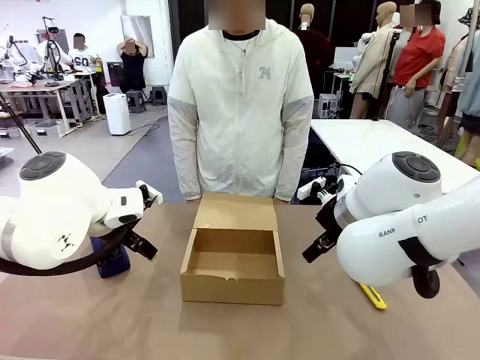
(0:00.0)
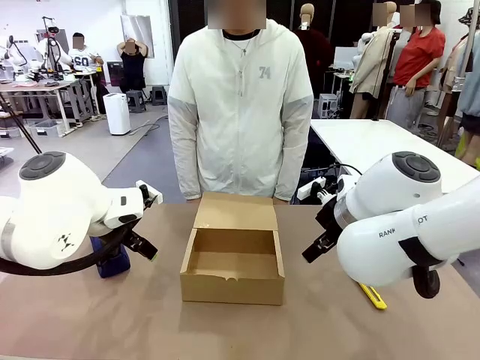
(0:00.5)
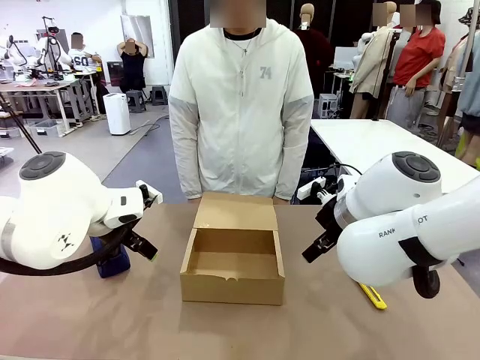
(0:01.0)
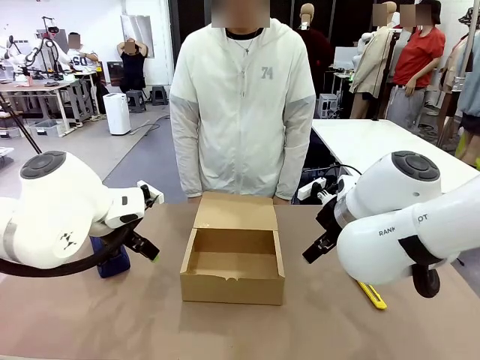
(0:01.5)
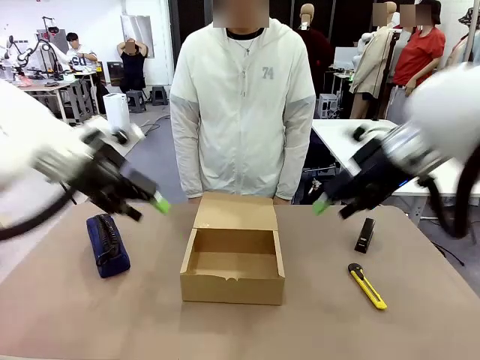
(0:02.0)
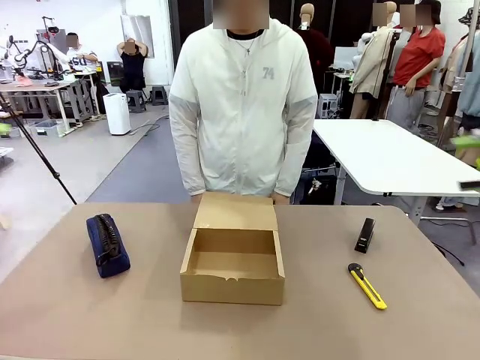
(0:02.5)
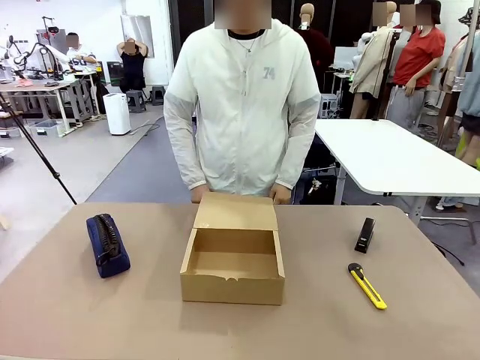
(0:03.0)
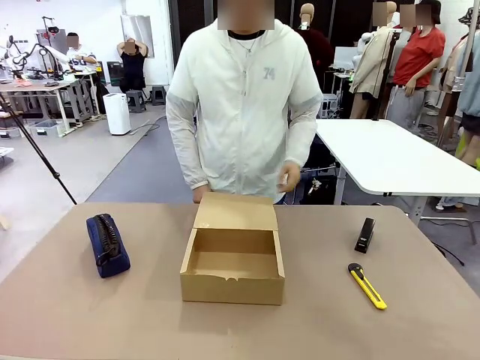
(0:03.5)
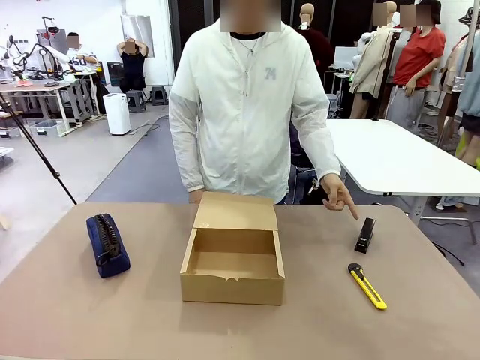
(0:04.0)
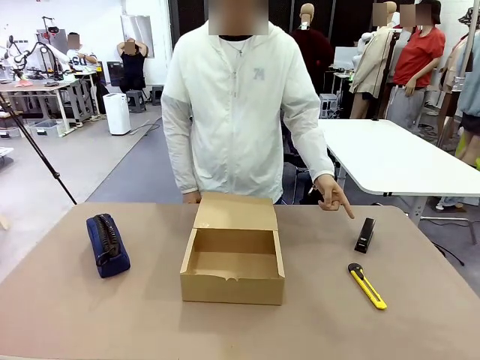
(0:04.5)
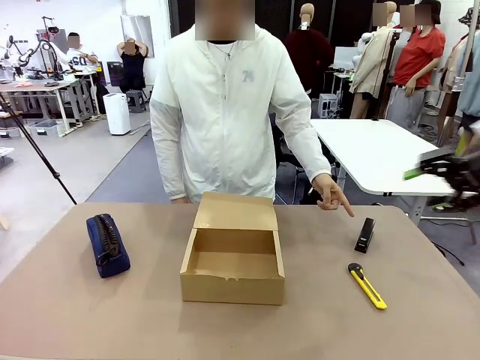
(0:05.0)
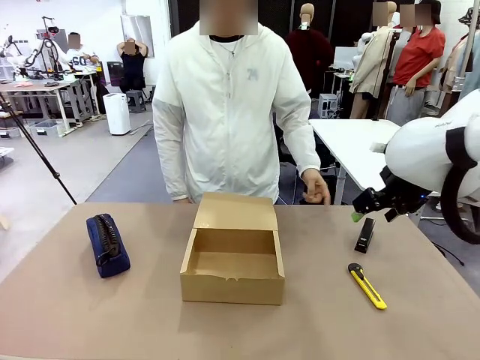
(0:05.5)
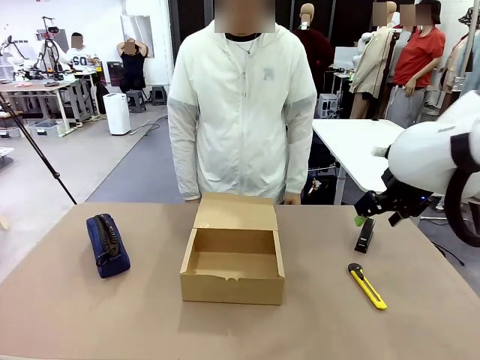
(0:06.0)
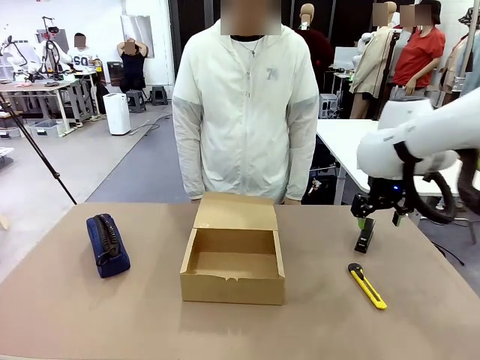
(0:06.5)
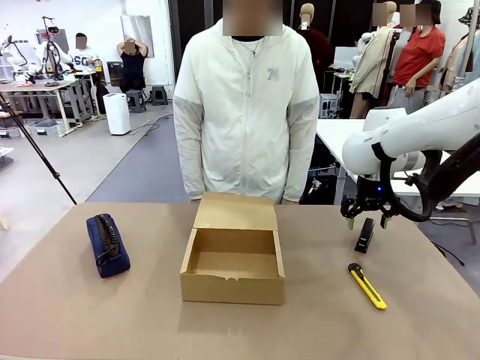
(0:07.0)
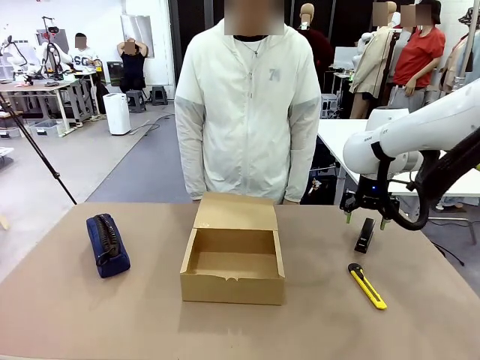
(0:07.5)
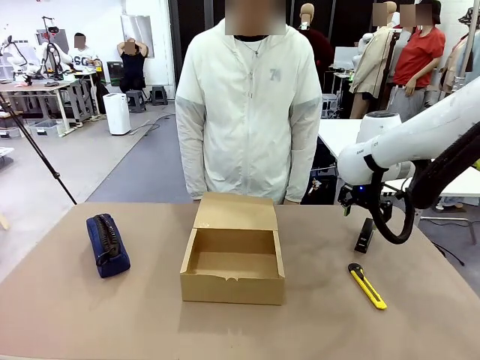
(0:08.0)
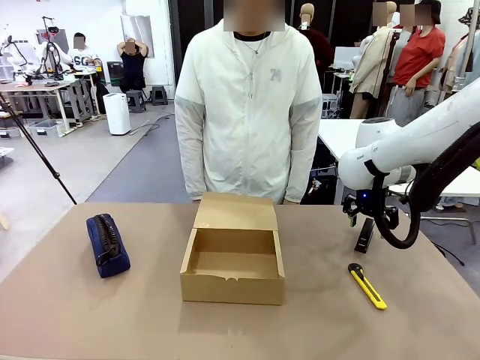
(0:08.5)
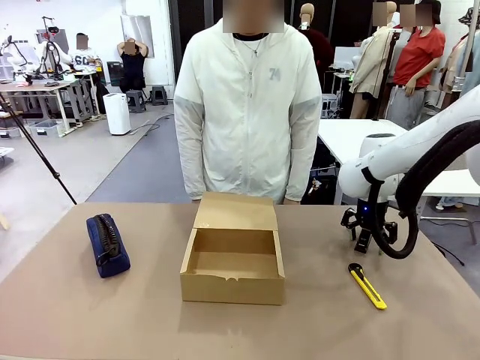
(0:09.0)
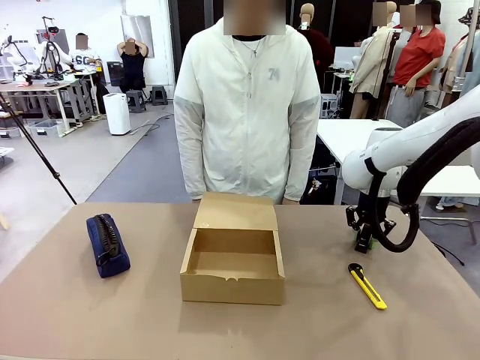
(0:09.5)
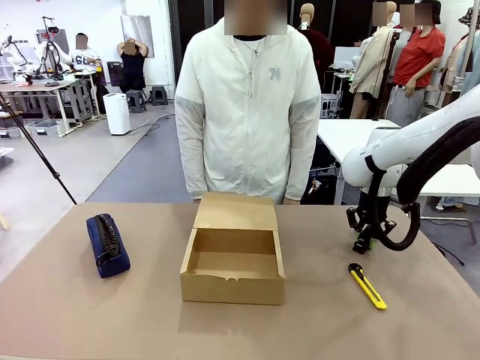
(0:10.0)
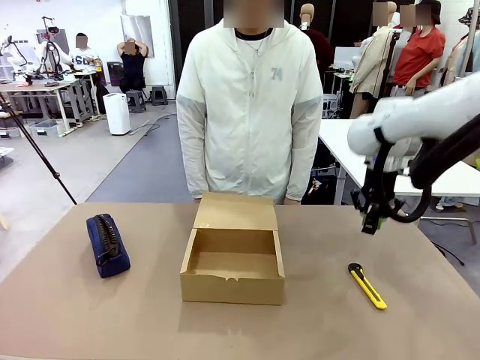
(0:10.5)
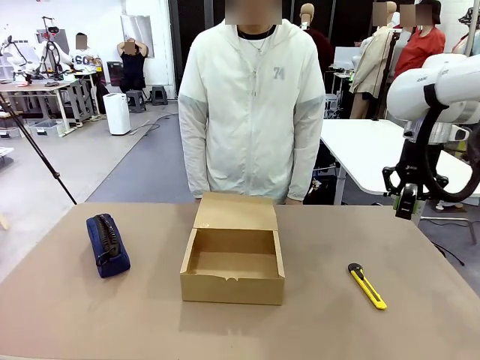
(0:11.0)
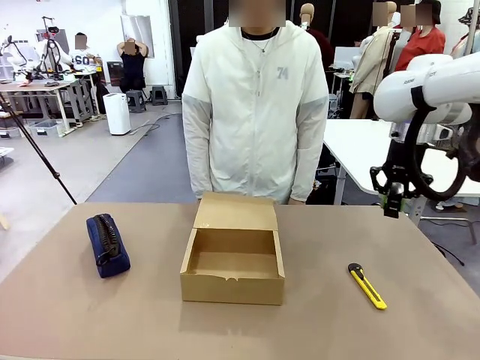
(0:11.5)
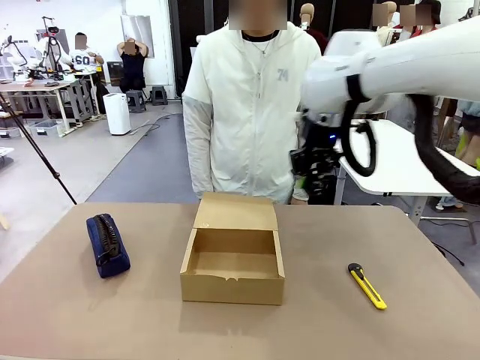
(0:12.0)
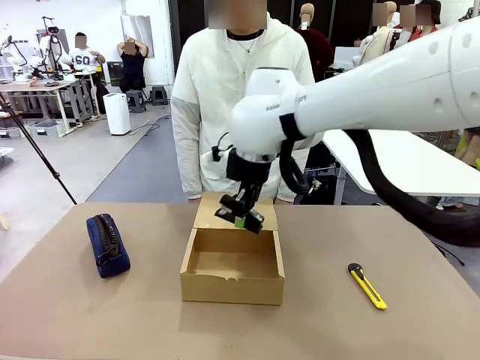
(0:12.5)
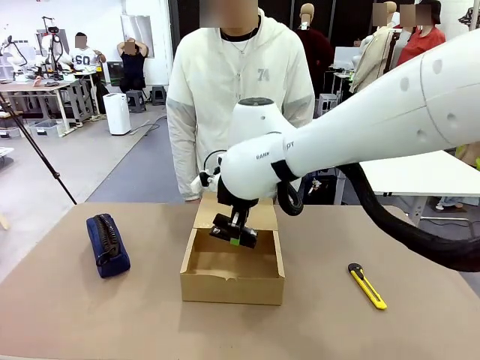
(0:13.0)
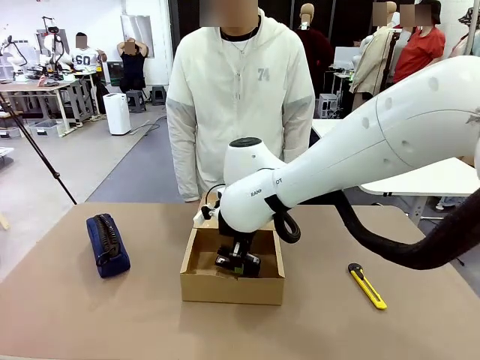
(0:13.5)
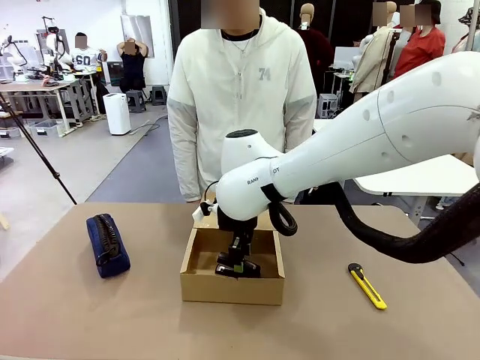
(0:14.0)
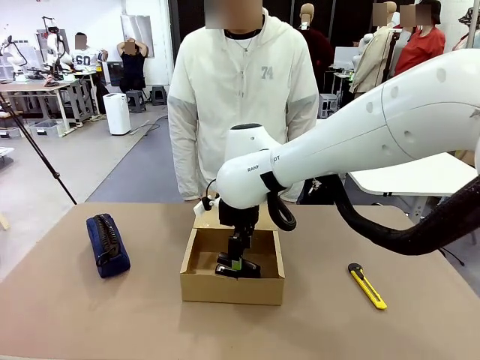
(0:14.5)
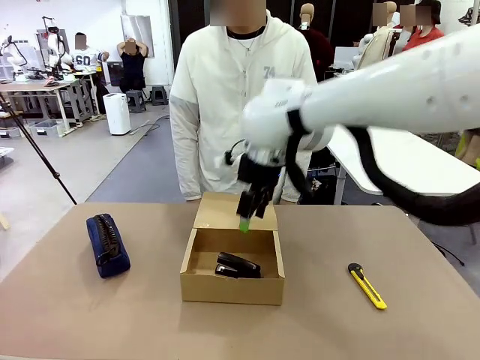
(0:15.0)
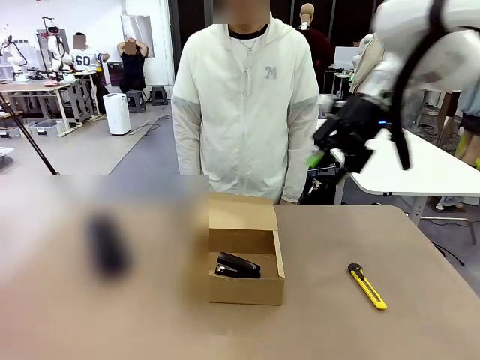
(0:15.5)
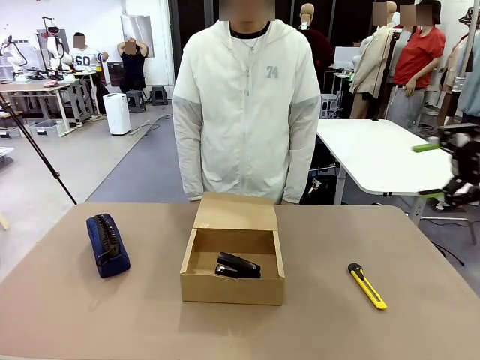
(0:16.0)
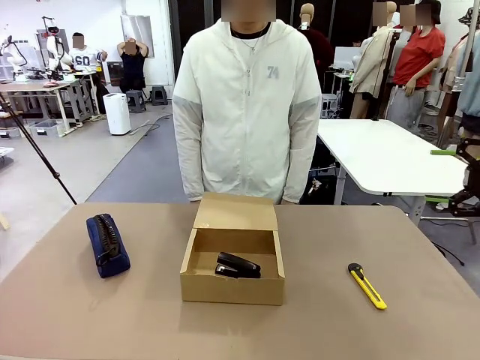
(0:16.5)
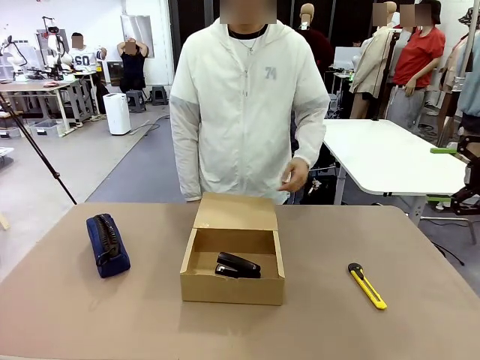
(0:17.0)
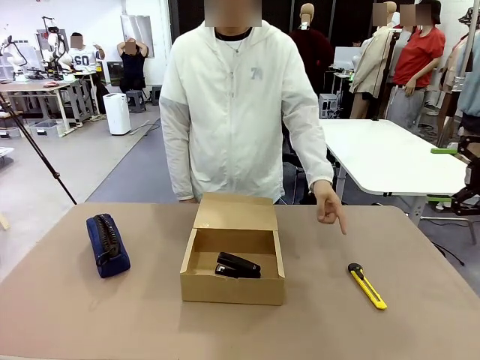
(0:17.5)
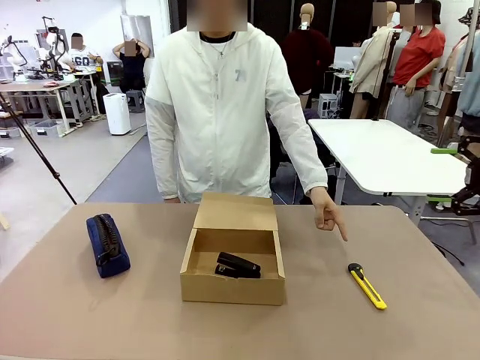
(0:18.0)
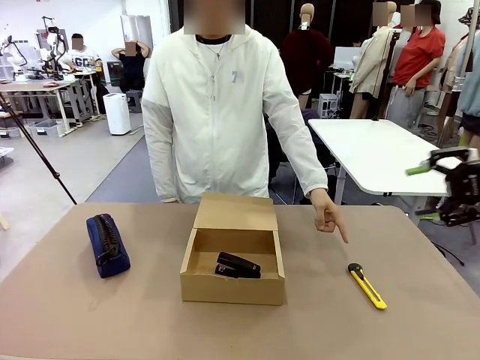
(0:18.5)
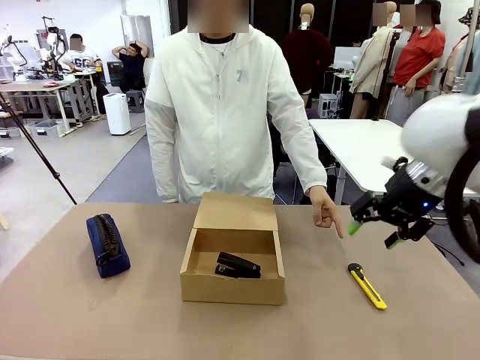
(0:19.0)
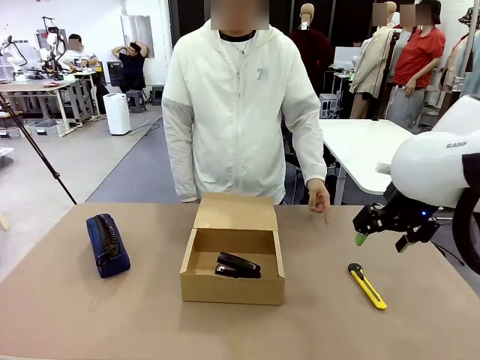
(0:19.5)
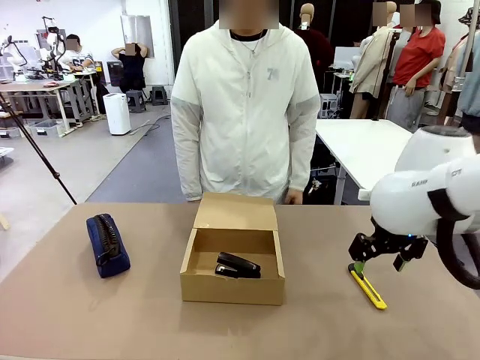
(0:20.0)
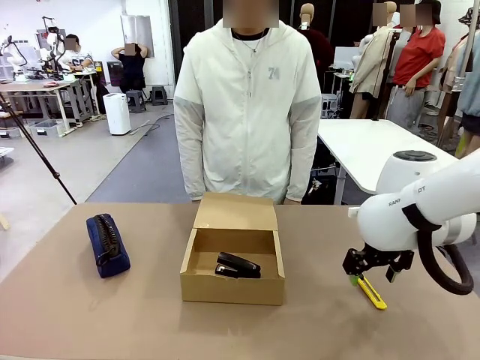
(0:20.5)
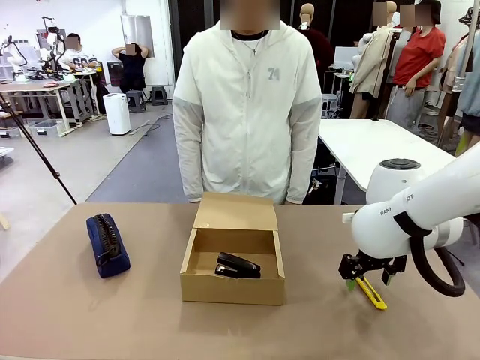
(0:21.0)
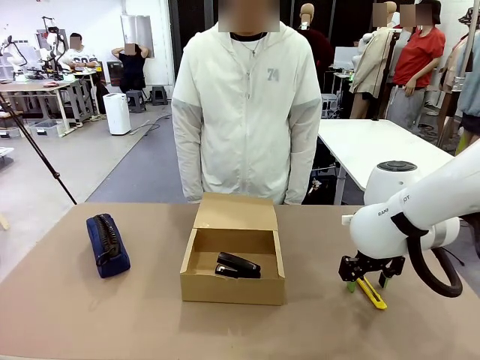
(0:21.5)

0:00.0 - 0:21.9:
Task: Pack the items into the box.
Robot: Pick up the item indicated by the person and place it inside the Mailer Box.
Person: Point at one item on the table (excluding the box).
